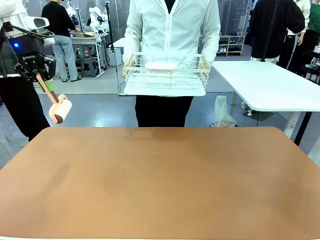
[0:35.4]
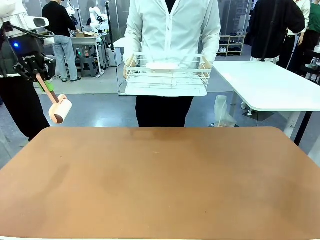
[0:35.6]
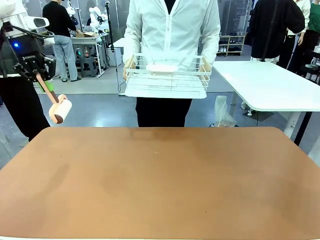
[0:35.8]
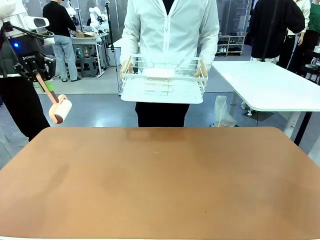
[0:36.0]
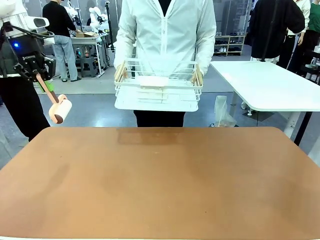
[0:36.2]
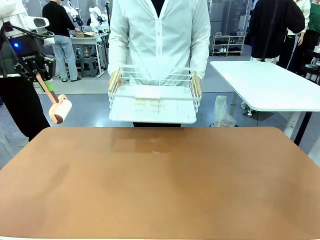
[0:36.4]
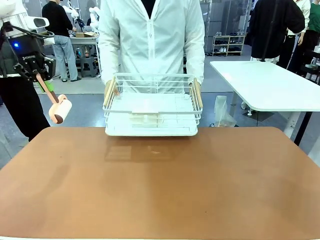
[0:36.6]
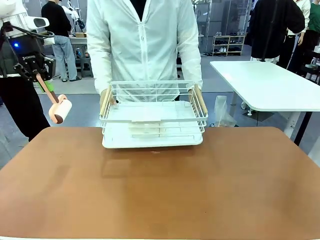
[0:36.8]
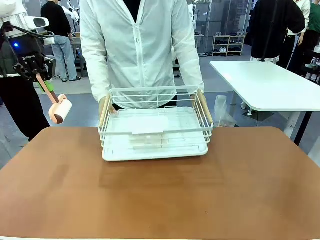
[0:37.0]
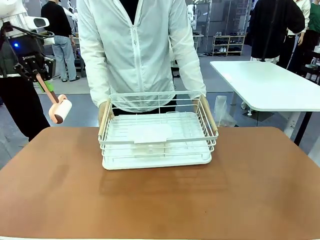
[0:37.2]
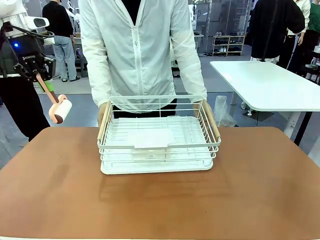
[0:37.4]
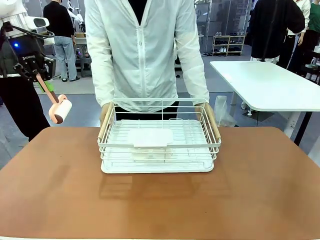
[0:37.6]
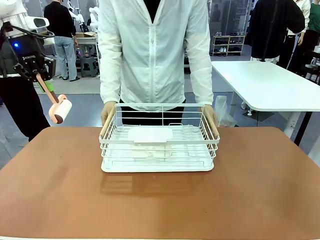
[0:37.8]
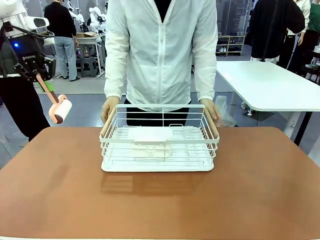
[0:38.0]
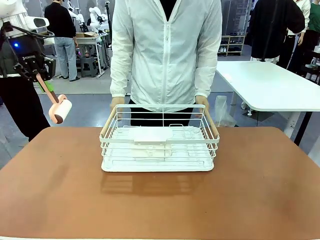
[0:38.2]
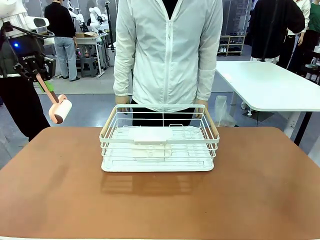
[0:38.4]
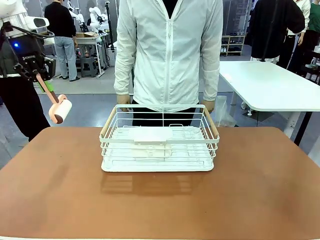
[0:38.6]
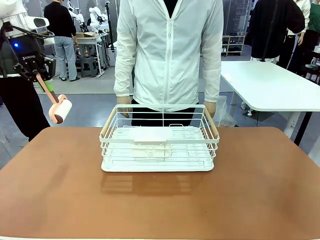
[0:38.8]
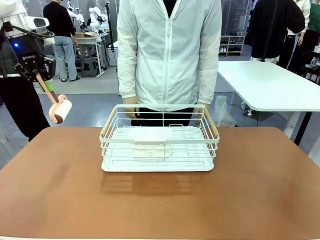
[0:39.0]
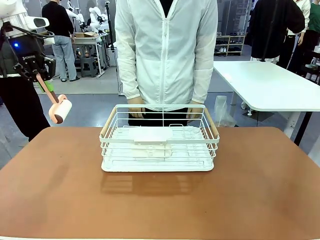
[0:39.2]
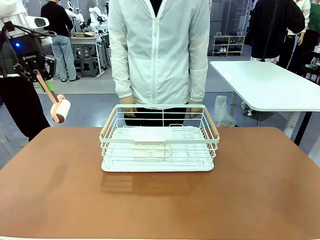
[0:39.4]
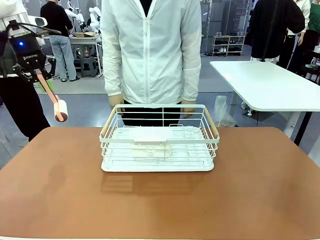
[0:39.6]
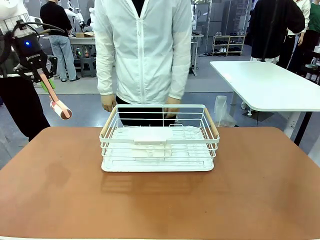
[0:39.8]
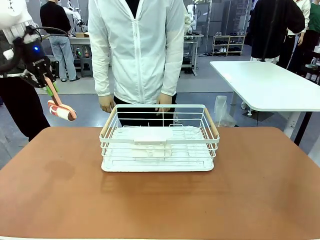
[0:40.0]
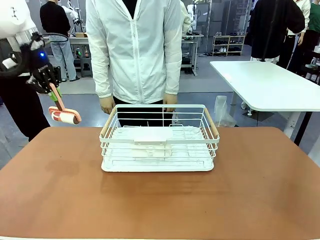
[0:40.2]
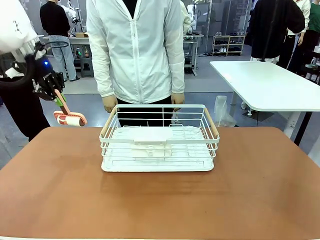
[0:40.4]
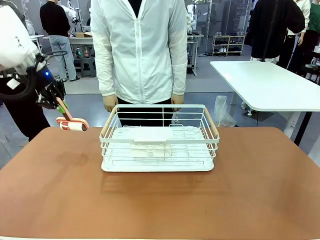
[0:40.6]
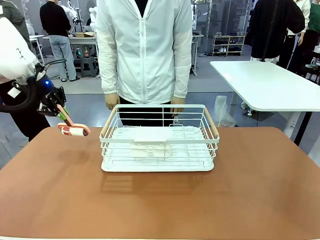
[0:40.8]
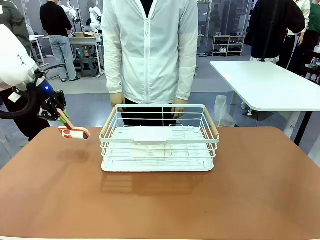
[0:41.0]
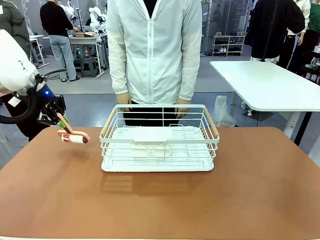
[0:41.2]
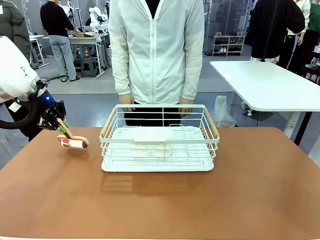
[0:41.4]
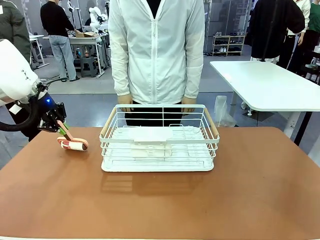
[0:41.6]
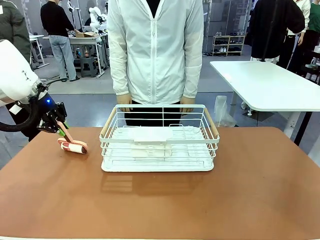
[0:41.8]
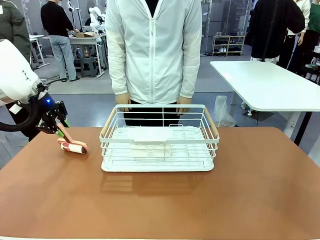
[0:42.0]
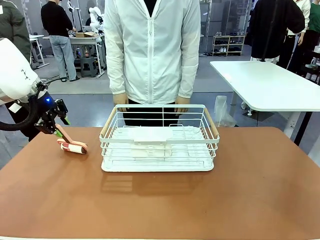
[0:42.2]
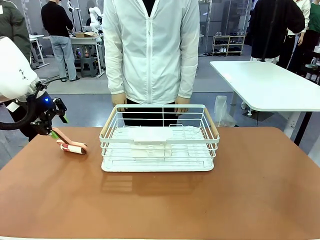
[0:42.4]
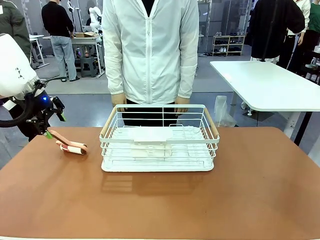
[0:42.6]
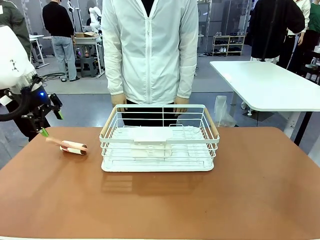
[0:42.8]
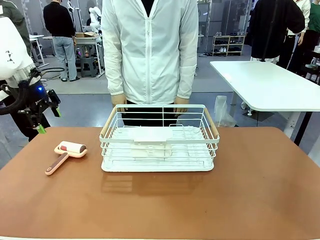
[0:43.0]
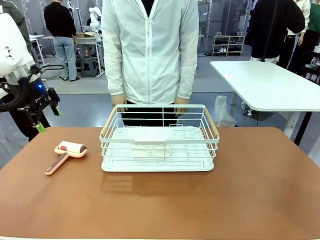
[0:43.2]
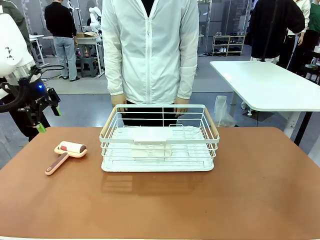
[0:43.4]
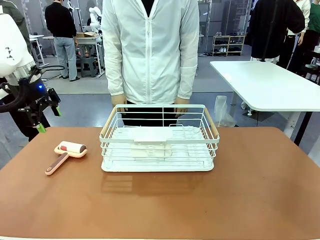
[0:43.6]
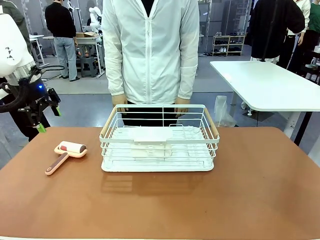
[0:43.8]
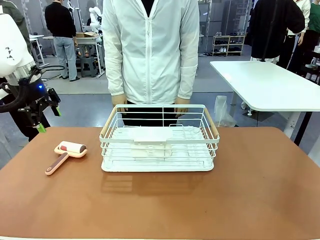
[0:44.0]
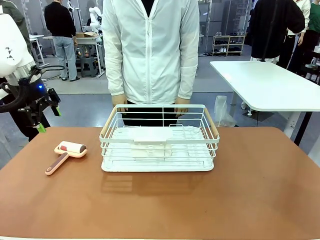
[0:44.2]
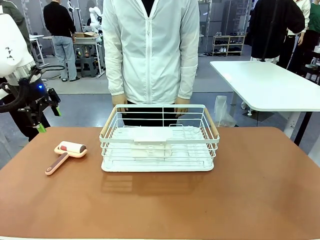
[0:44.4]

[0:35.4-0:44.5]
Task: Clean the table.
Robot: Place the Lint Roller down when the Dish drying rack is positioned in the middle of the table.

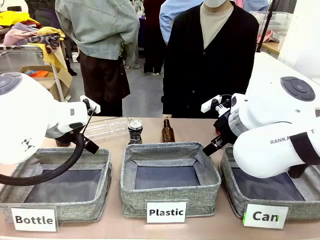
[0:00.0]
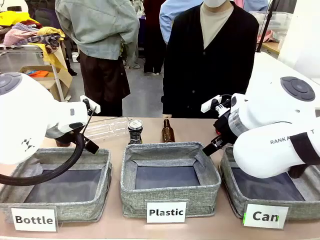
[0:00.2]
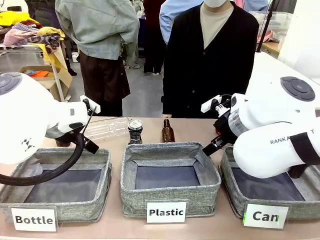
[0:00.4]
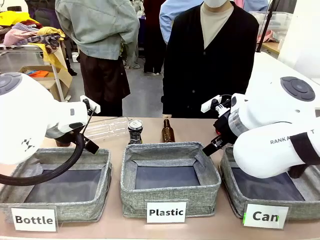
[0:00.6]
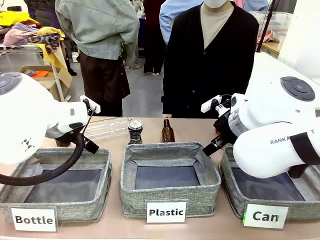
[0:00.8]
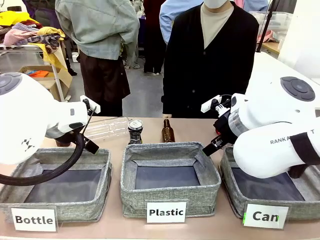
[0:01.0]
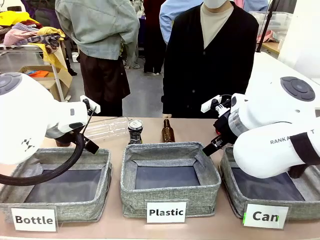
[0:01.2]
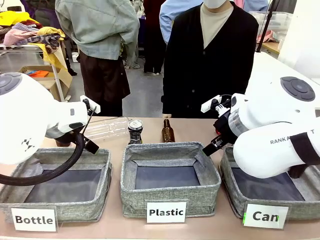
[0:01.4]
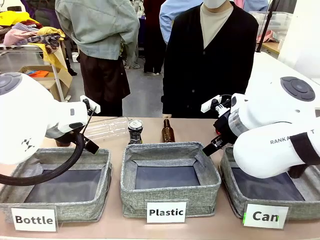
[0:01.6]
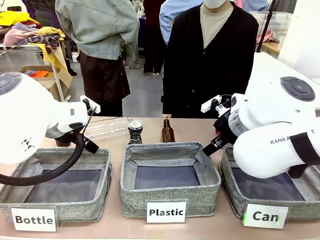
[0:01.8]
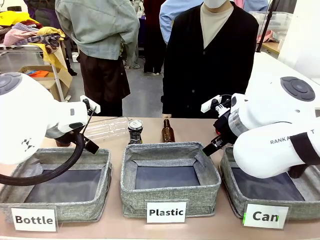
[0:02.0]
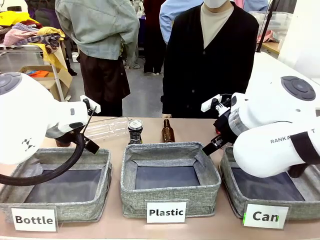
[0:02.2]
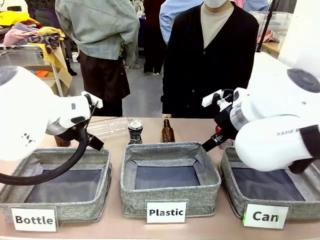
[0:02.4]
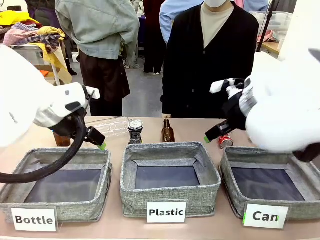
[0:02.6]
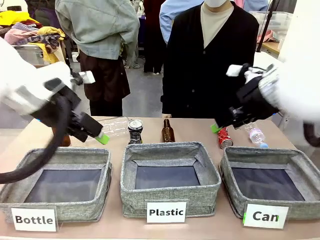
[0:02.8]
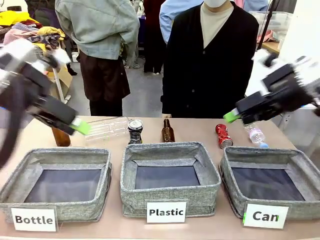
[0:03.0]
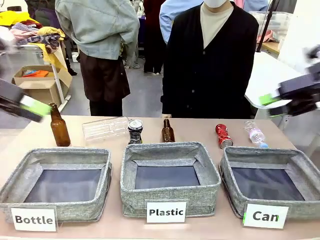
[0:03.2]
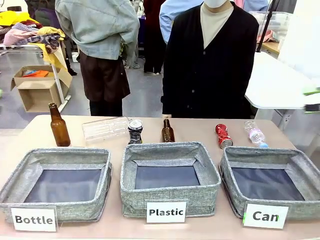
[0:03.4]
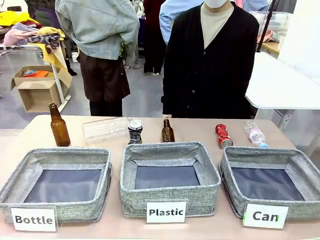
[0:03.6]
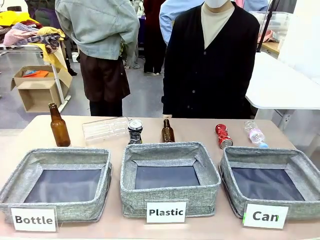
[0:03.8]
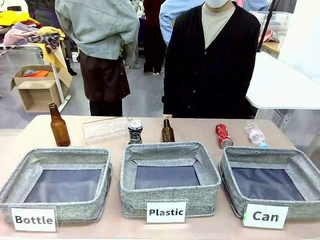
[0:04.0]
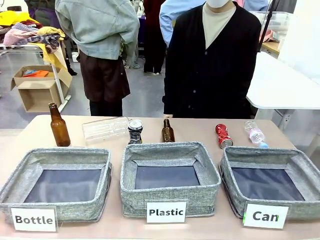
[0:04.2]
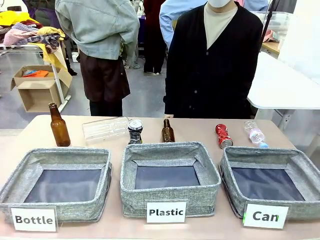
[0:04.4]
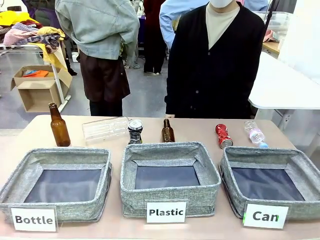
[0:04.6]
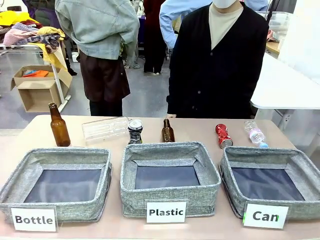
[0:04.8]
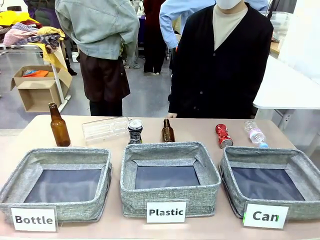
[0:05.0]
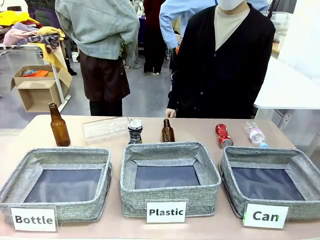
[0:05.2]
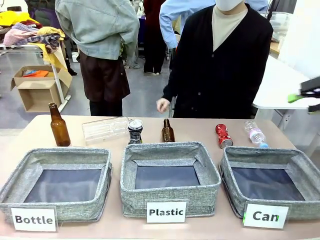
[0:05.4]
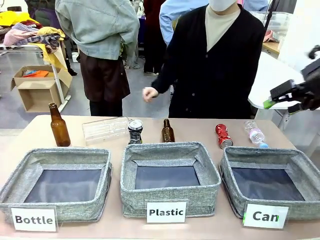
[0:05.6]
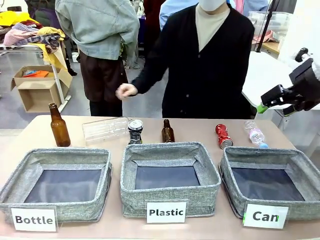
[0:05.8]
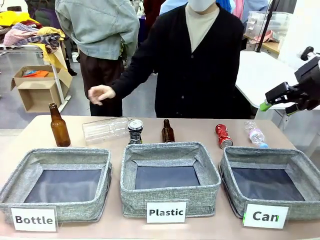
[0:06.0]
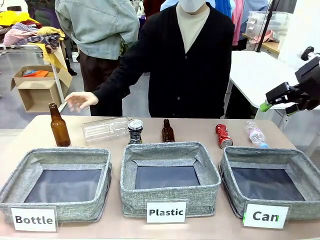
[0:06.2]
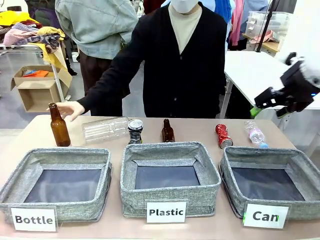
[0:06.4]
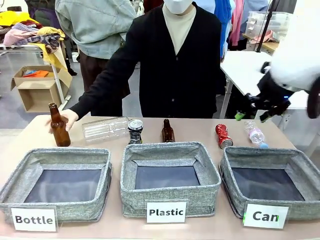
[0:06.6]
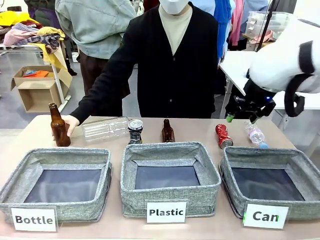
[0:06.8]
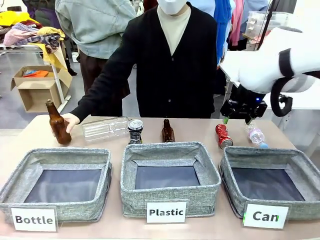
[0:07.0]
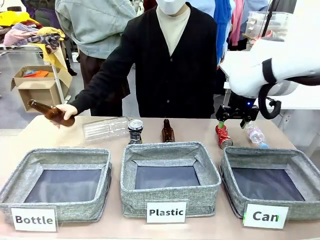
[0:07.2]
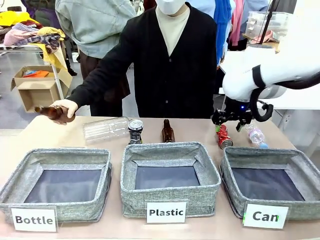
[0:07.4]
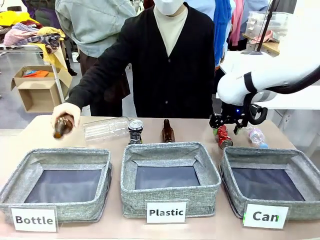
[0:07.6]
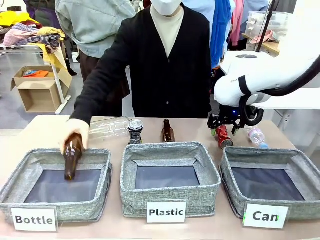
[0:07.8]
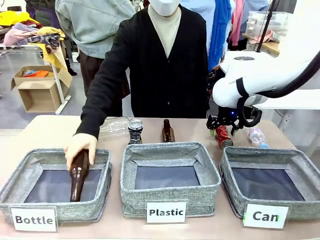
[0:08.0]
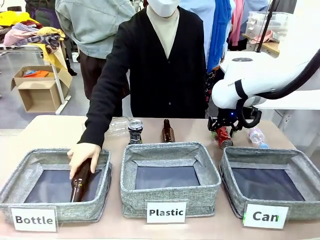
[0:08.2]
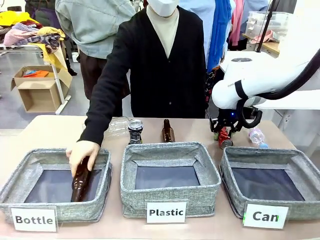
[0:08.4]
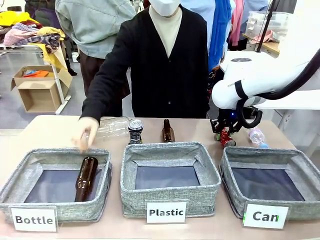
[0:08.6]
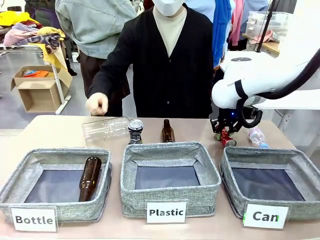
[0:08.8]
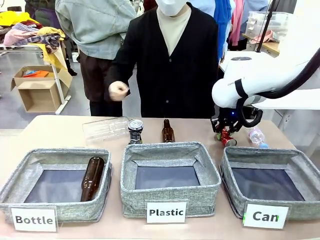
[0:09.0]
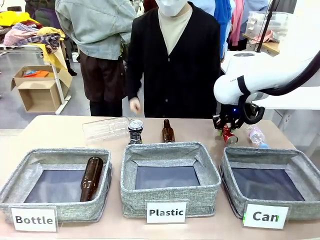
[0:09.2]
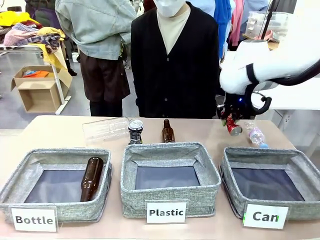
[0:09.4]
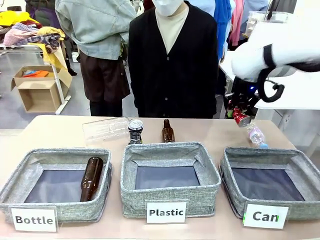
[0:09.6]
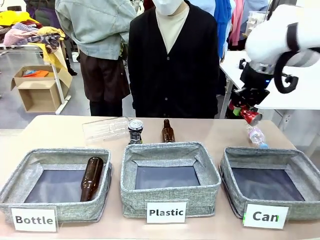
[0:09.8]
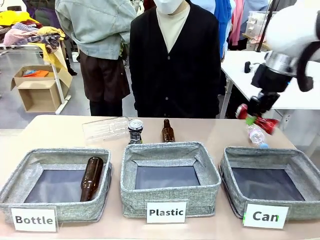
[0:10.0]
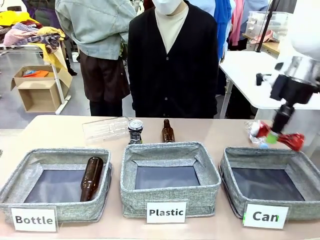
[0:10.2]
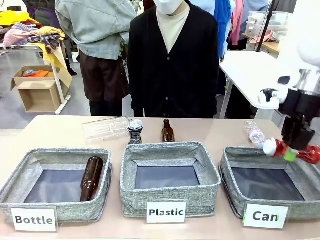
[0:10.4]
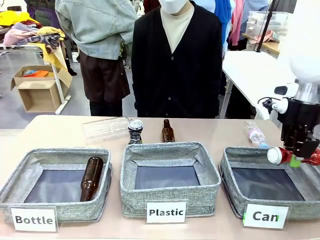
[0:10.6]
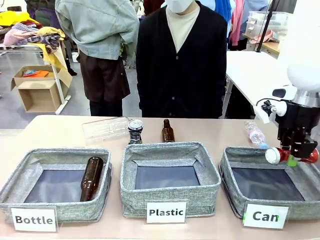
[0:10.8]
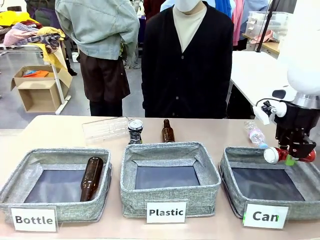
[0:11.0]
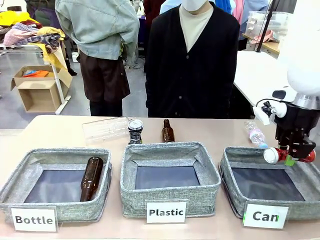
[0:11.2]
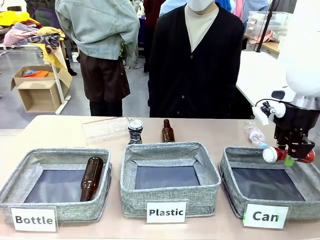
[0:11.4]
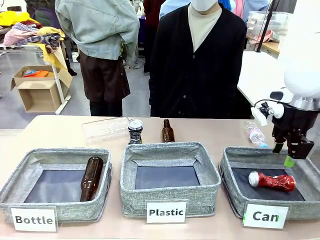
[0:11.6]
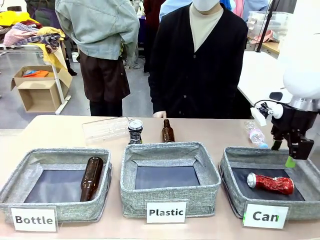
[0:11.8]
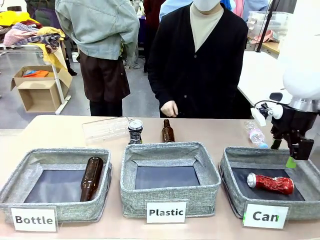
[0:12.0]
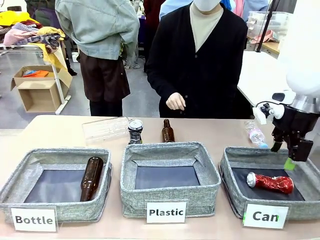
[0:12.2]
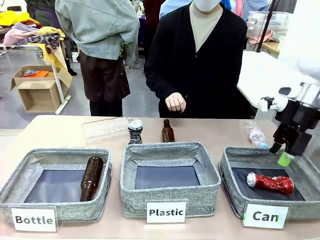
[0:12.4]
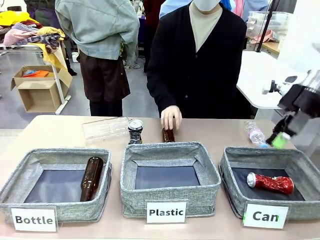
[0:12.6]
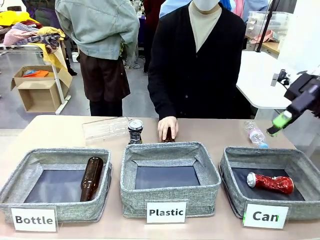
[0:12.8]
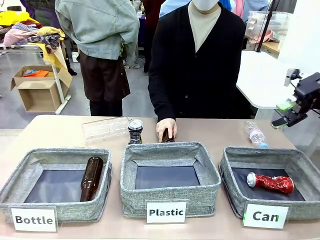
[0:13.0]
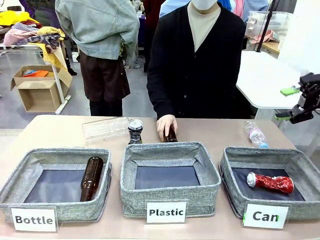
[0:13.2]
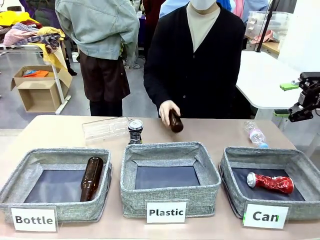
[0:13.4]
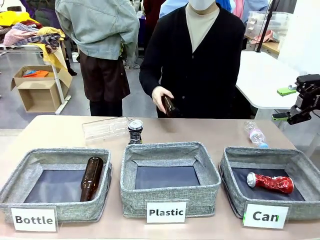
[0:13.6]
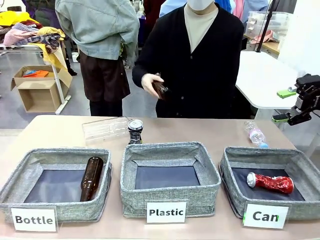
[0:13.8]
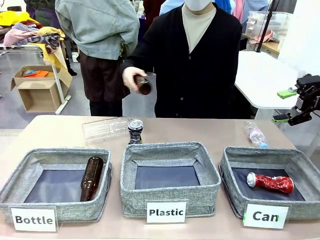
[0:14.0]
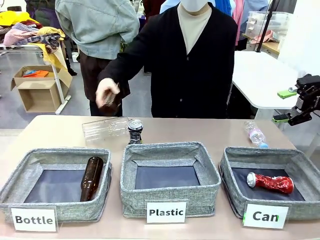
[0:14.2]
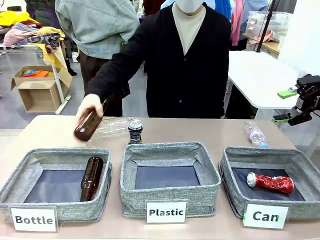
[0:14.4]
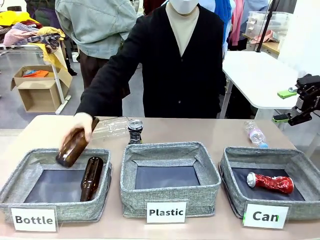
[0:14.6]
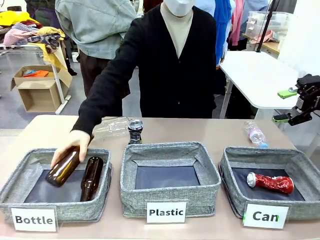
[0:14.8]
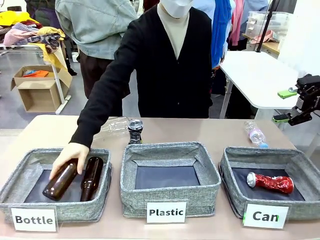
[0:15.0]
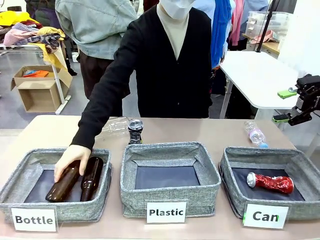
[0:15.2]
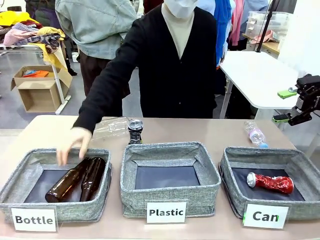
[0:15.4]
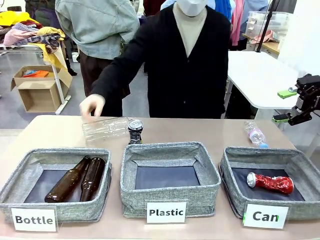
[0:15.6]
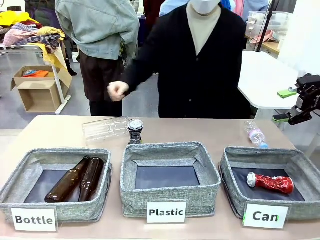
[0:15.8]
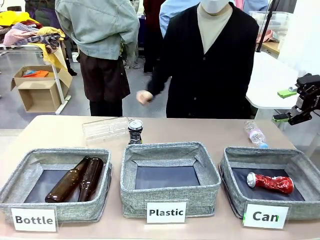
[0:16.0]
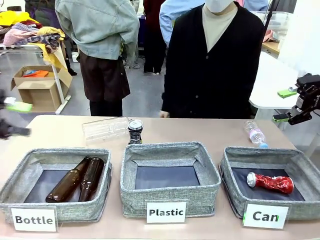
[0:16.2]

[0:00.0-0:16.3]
Task: Sort the can waste into the basket.
Robot: Pick up the can waste from the table and place it in the right Fabric basket.
